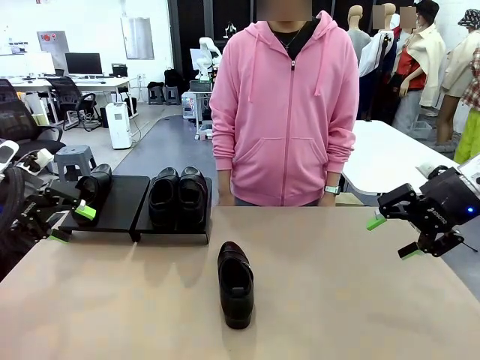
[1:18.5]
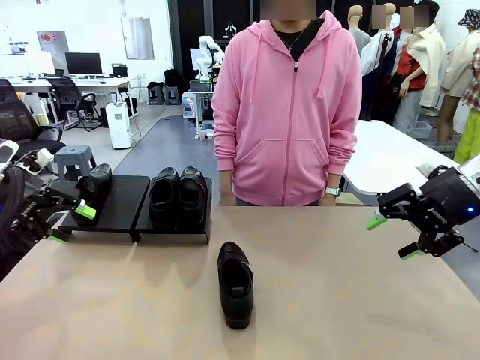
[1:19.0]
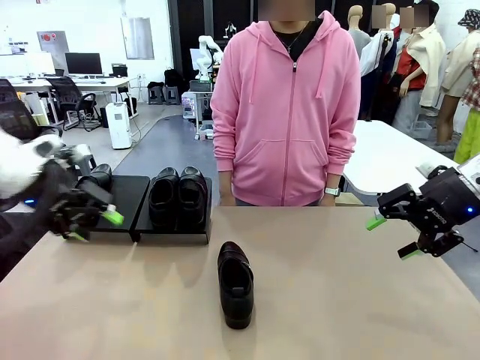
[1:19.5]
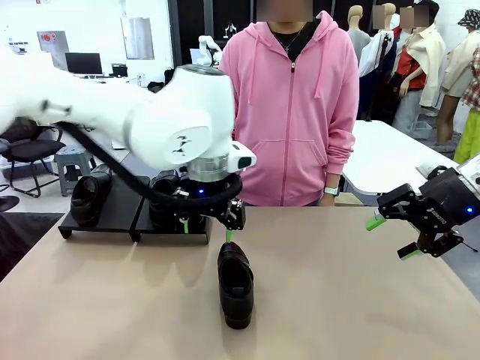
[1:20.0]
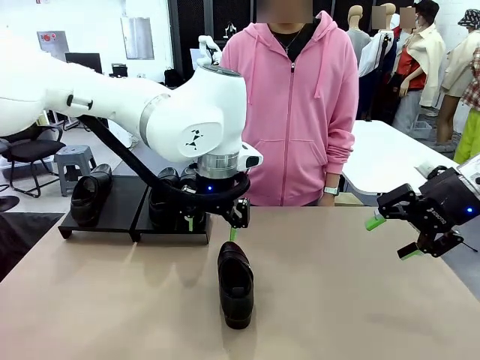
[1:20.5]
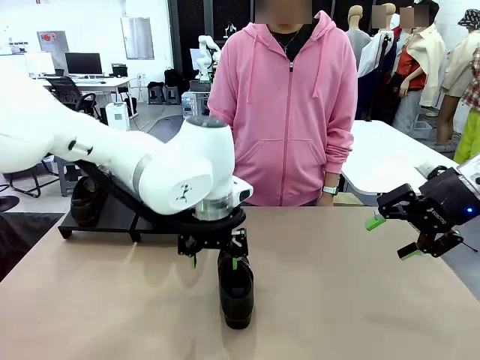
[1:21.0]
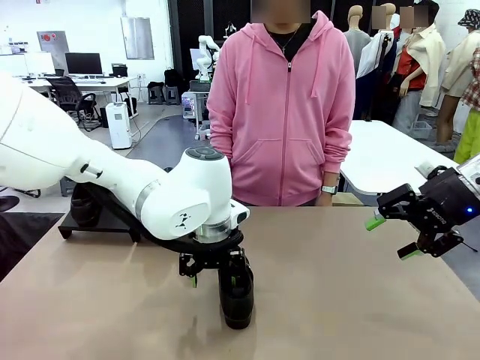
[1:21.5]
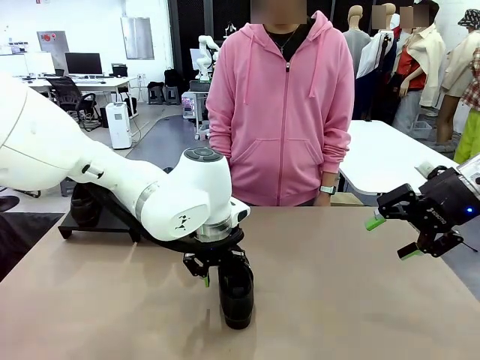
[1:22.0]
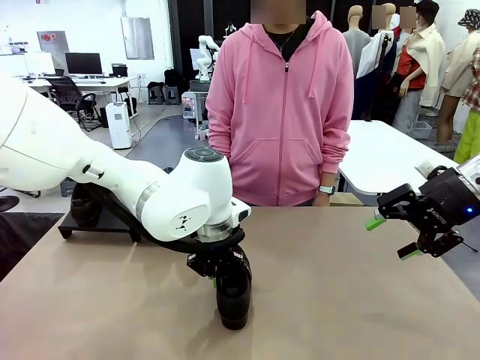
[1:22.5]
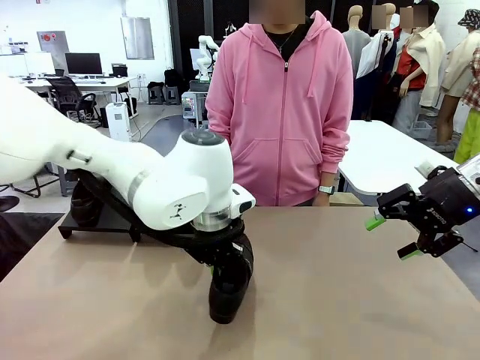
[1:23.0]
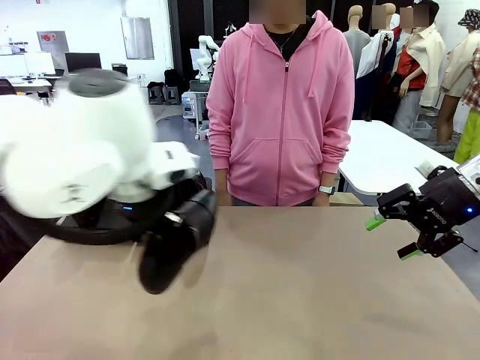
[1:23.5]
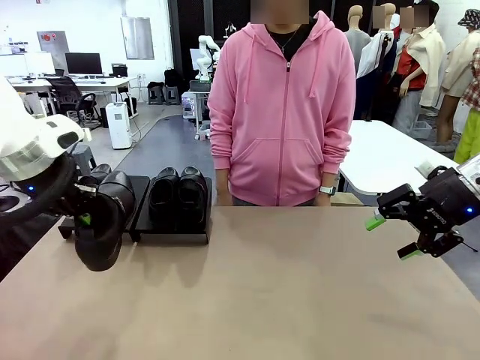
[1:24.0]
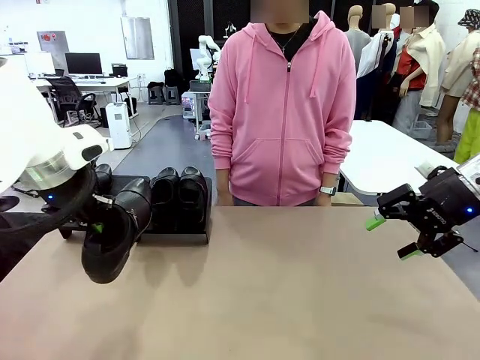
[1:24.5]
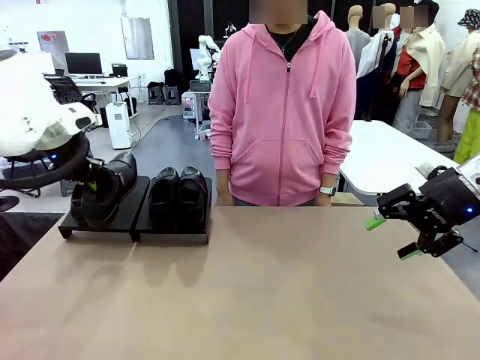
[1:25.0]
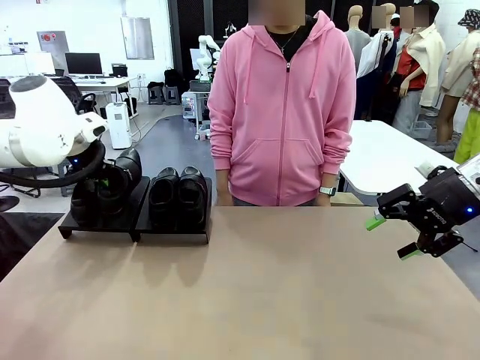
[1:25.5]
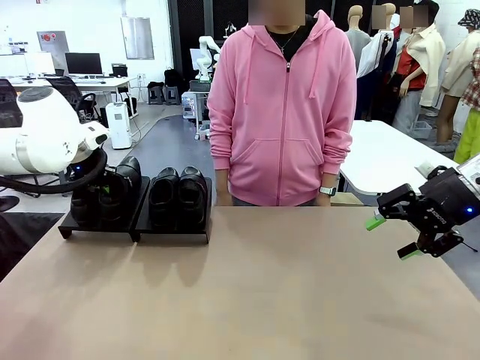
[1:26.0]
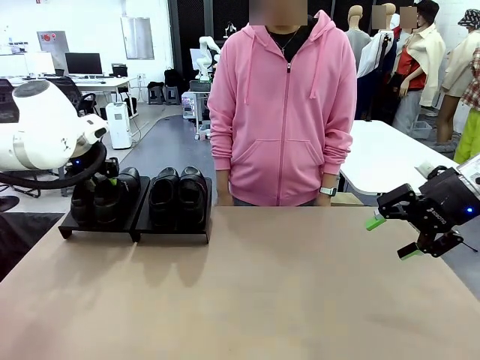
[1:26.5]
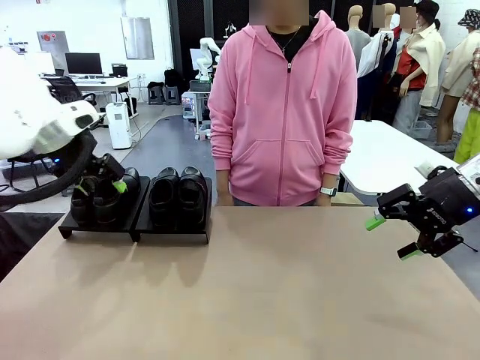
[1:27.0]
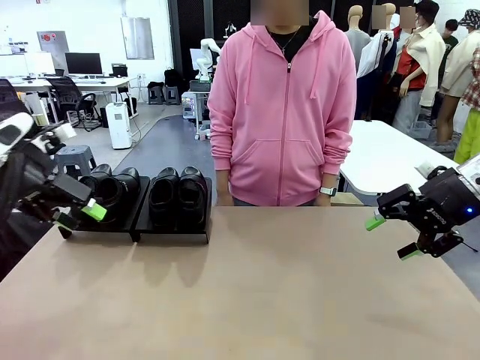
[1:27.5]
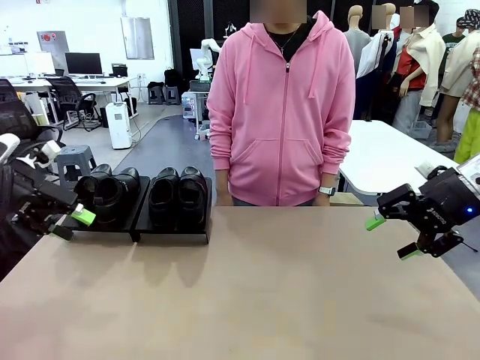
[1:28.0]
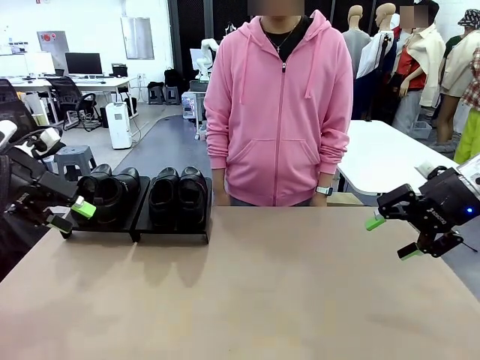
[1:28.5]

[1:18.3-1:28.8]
Task: Organize the shoes by placing them on the stand.
Robot: Place the Shoe from the middle of the table onto the Shoes Stand.

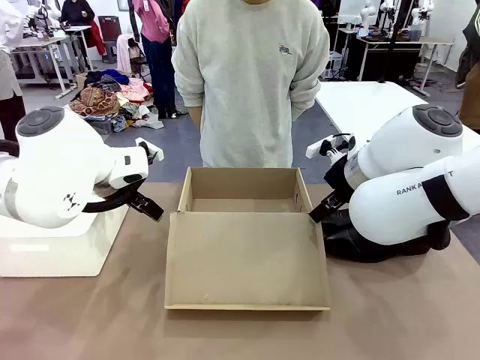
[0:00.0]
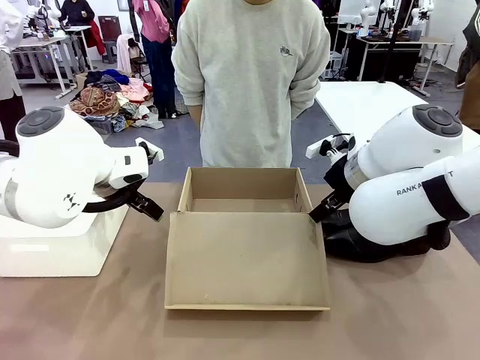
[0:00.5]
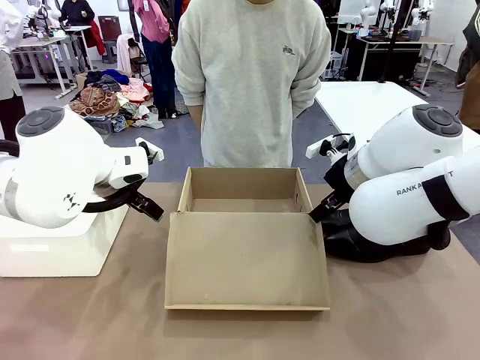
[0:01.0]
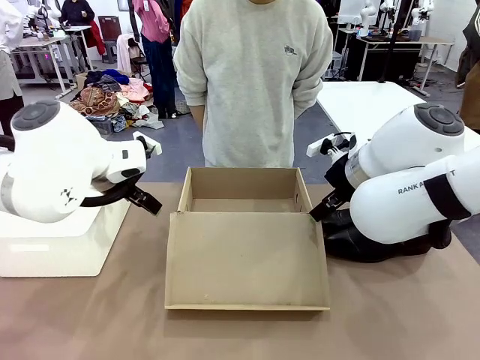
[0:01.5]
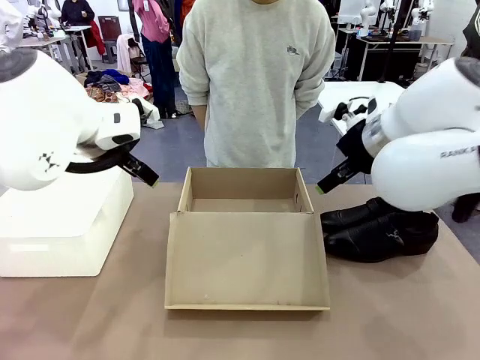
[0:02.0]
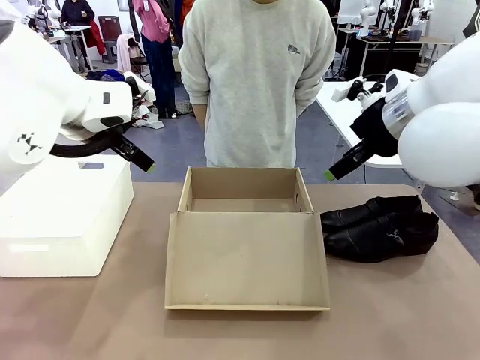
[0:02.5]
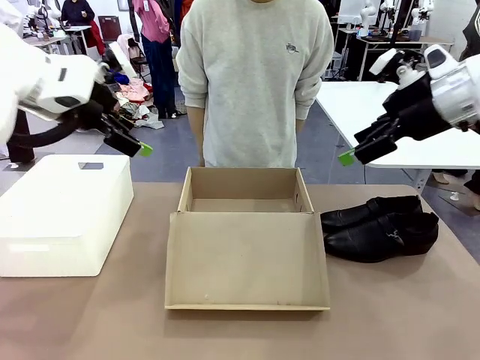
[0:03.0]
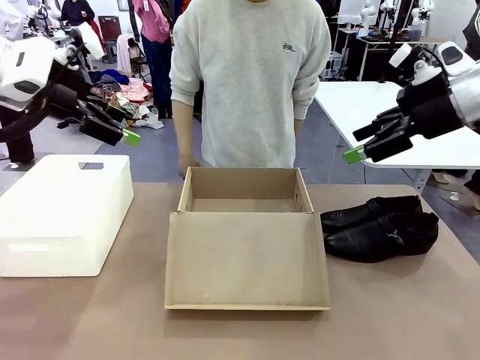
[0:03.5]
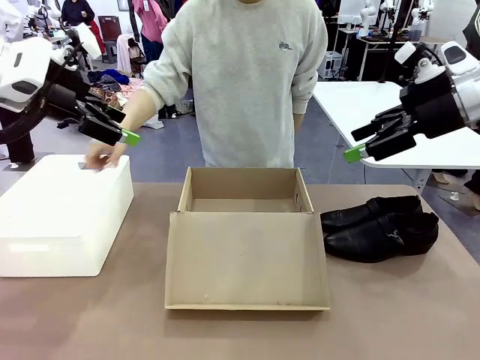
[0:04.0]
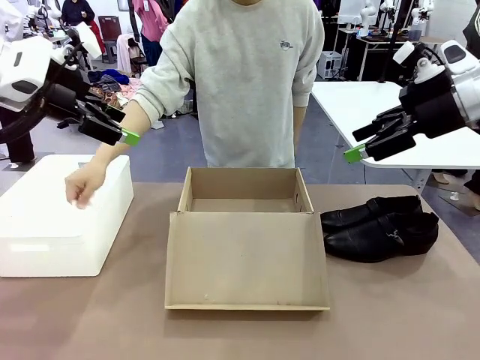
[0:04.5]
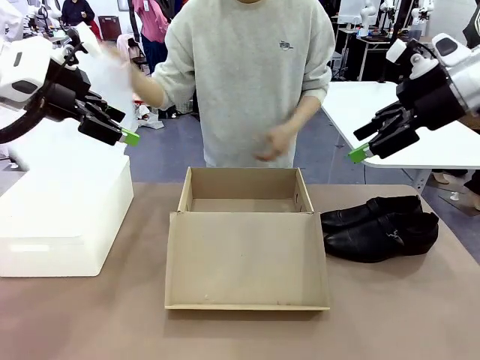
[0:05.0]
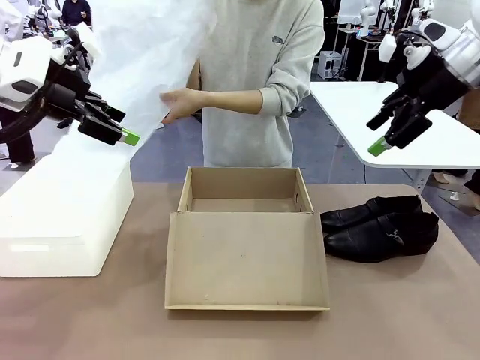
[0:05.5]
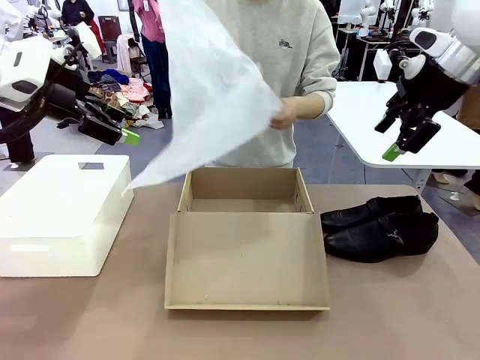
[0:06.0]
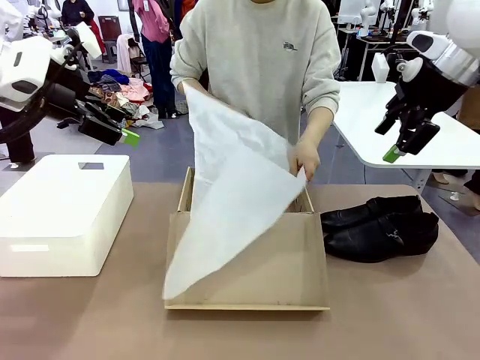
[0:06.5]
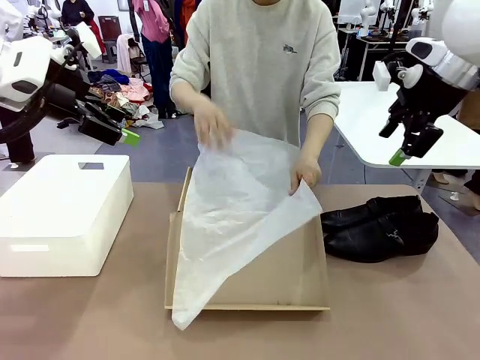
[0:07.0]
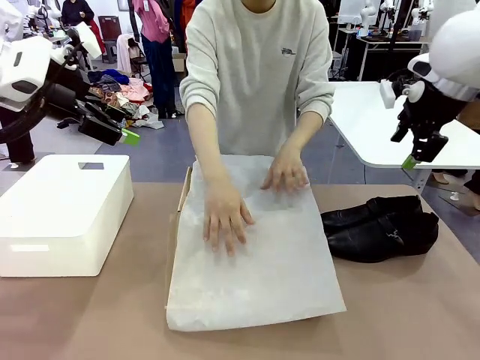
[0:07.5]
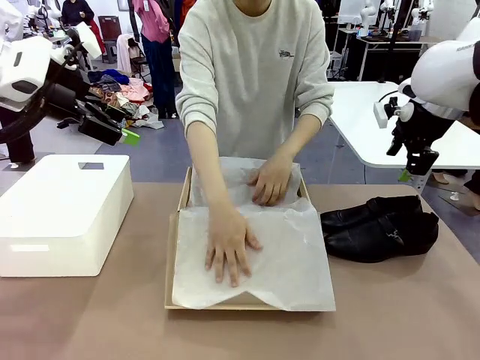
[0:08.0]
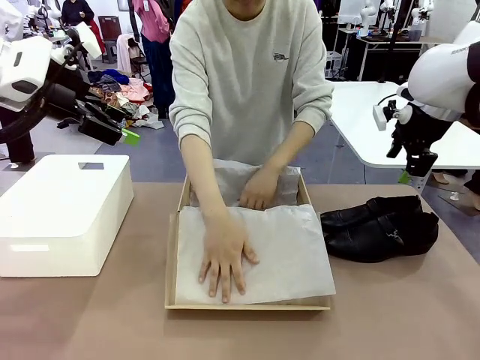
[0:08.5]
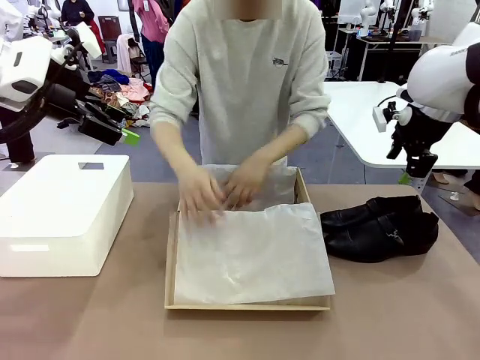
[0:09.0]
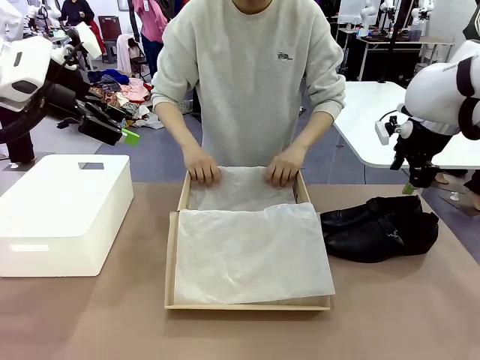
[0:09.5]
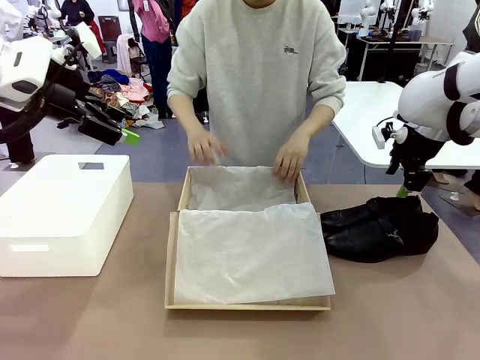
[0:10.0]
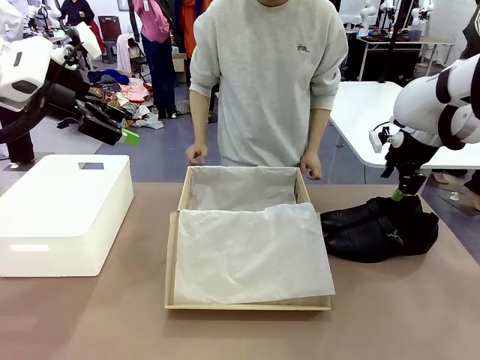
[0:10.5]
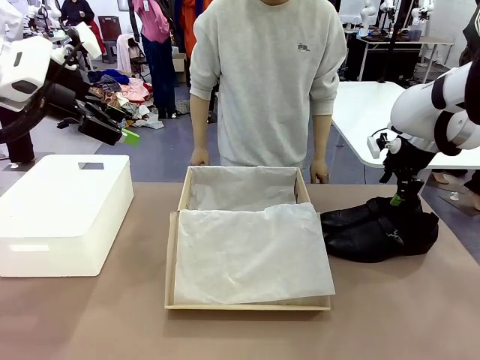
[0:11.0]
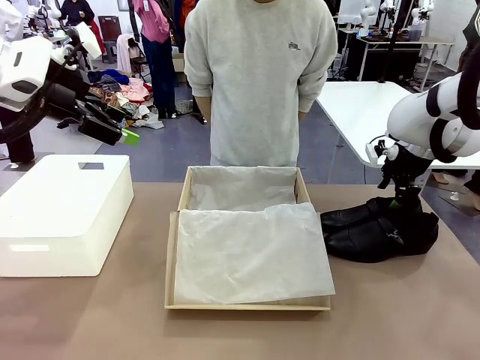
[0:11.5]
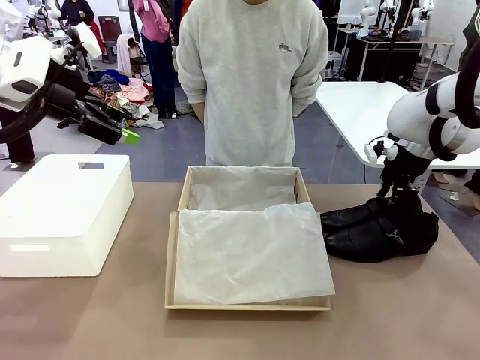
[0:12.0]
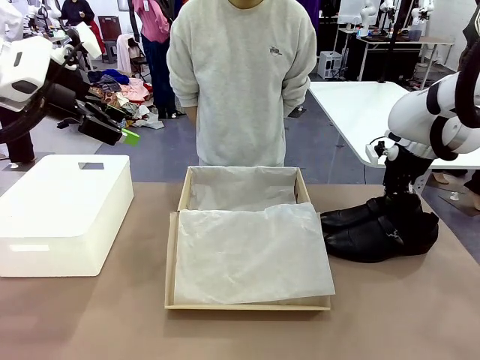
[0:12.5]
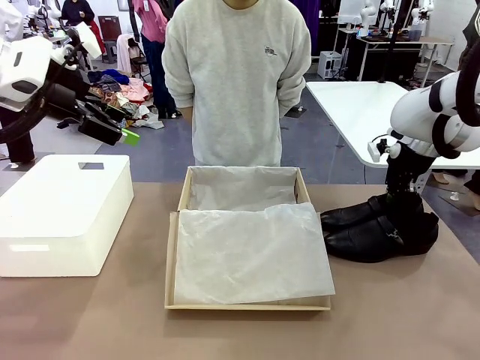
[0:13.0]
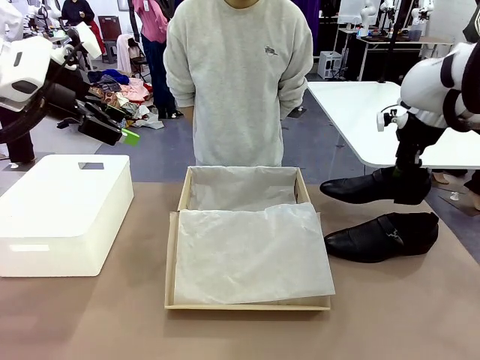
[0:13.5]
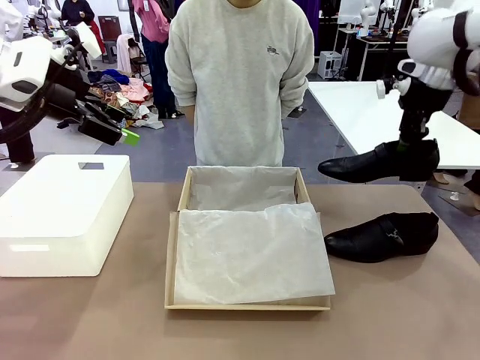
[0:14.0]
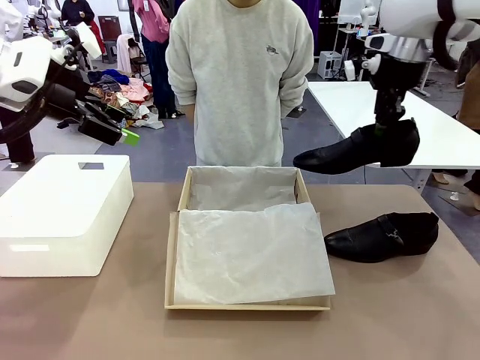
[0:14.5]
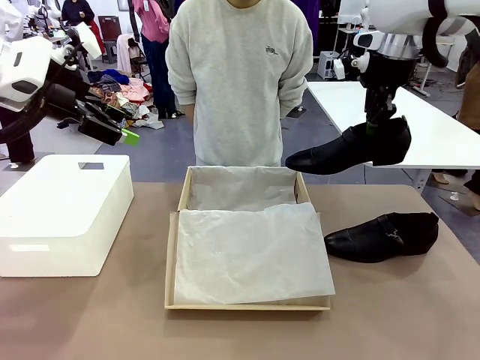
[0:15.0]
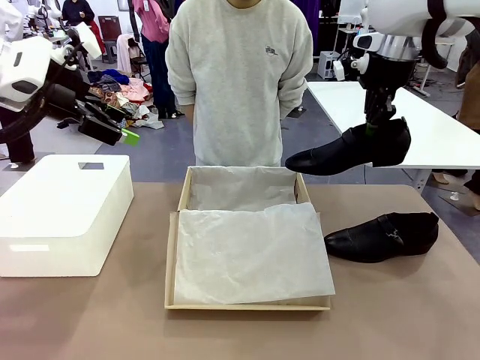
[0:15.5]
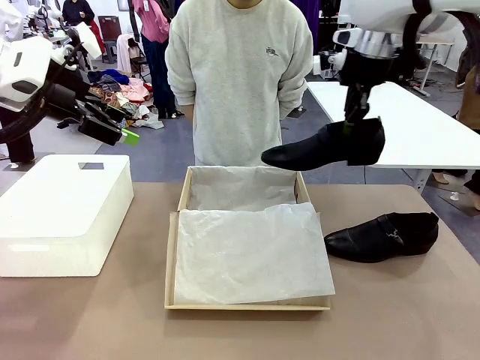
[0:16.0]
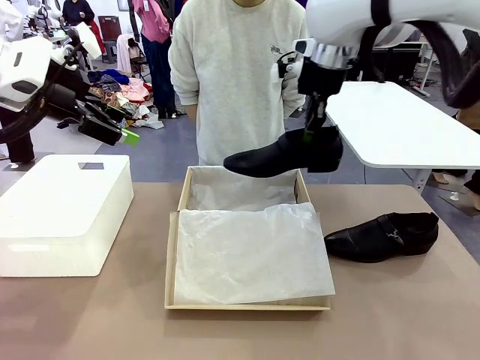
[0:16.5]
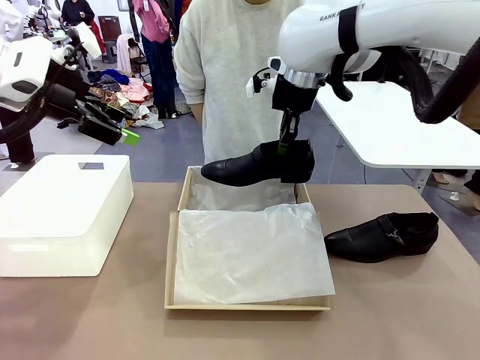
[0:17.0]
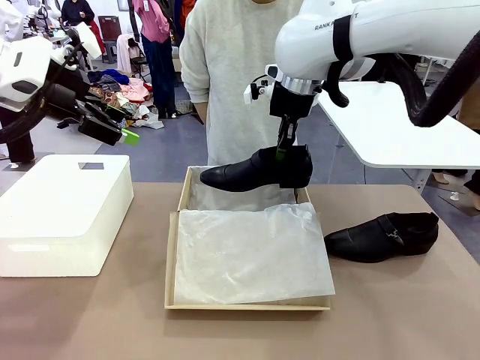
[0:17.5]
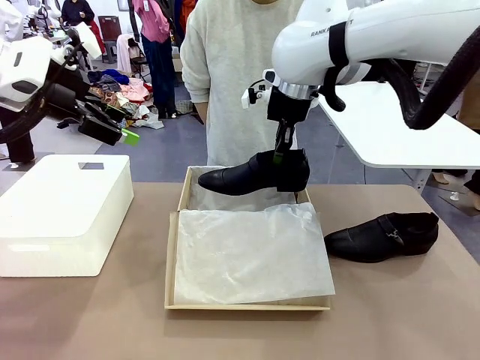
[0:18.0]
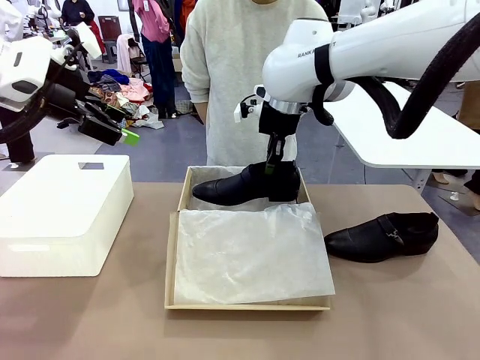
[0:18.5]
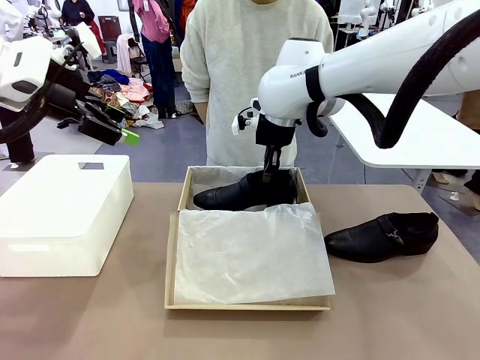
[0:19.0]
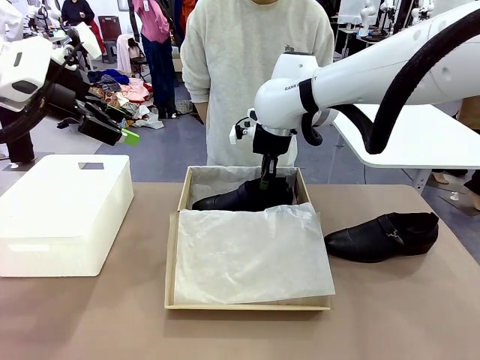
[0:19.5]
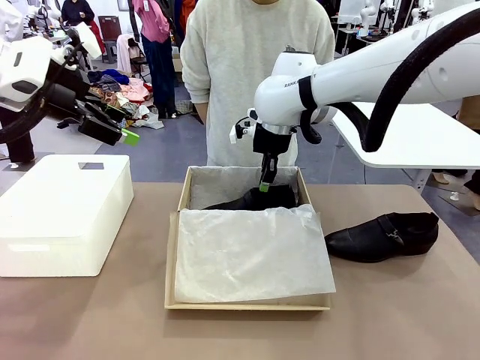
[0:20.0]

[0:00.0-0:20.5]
Task: Pack the shoes into the box.
Robot: Place one shoe of the Shoes into the Shoes Box.
Person: Spread Shoes Wrapping Paper and place inside the Shoes Box.
